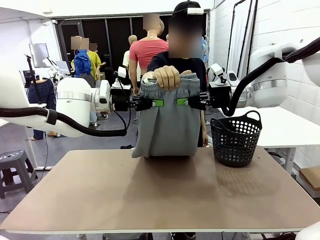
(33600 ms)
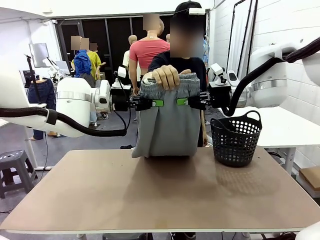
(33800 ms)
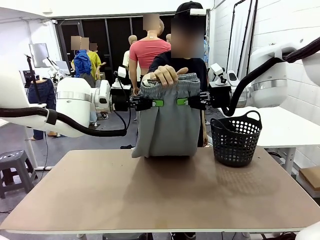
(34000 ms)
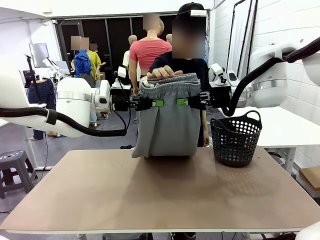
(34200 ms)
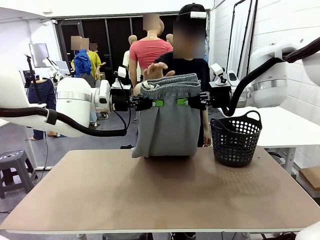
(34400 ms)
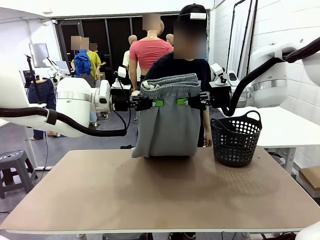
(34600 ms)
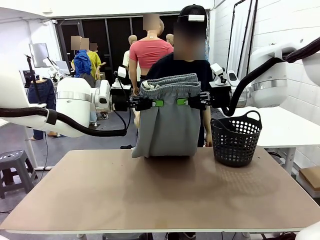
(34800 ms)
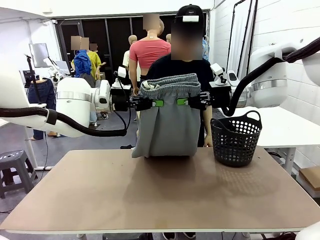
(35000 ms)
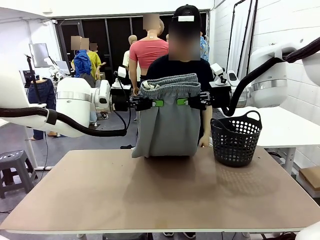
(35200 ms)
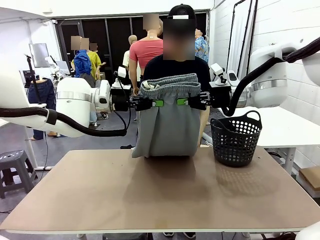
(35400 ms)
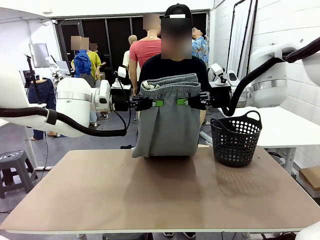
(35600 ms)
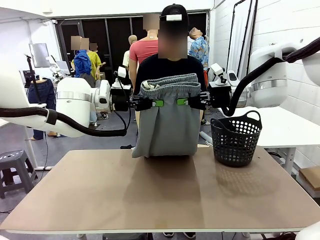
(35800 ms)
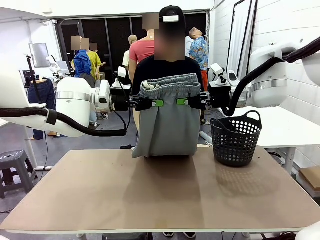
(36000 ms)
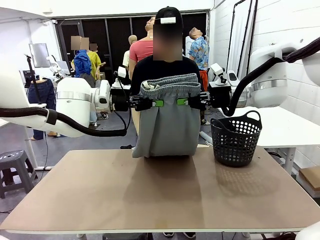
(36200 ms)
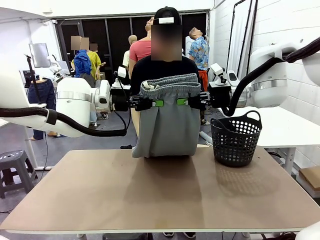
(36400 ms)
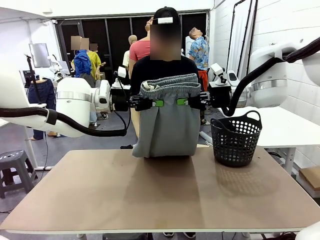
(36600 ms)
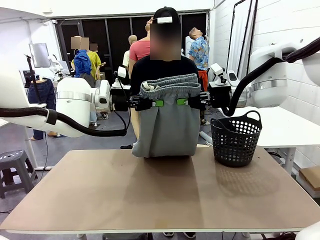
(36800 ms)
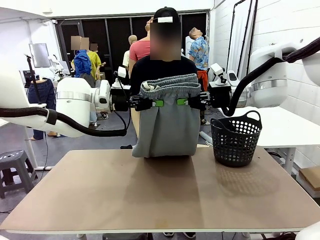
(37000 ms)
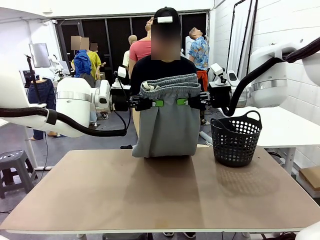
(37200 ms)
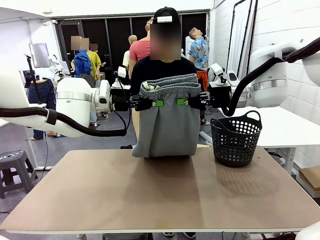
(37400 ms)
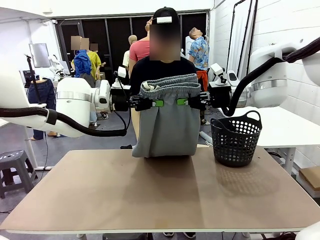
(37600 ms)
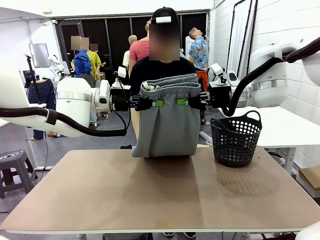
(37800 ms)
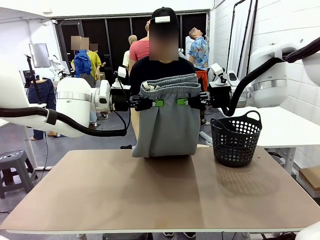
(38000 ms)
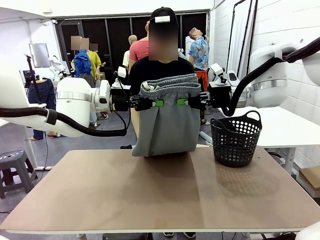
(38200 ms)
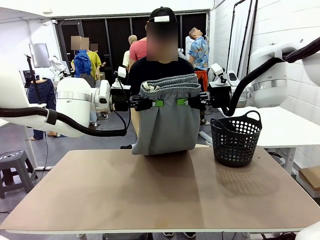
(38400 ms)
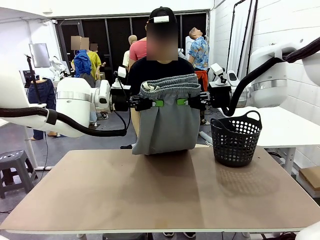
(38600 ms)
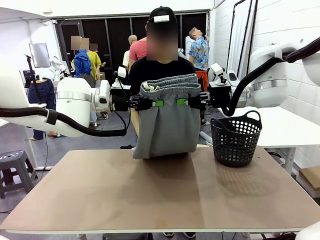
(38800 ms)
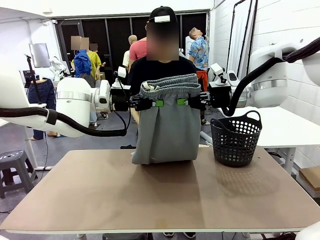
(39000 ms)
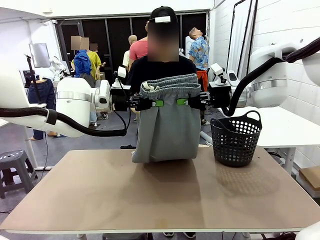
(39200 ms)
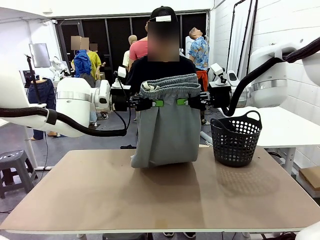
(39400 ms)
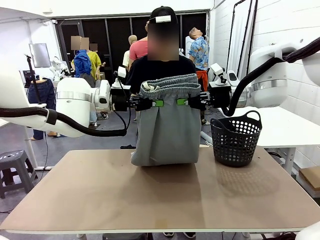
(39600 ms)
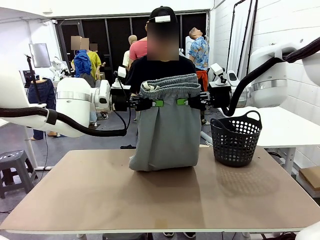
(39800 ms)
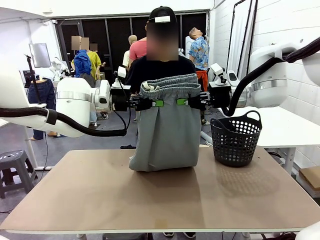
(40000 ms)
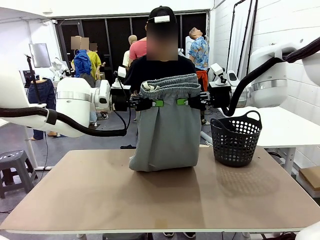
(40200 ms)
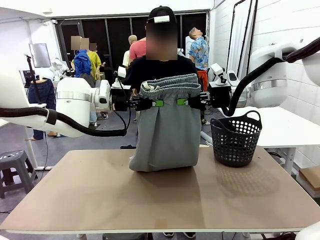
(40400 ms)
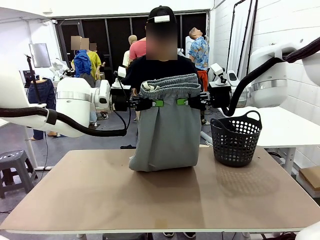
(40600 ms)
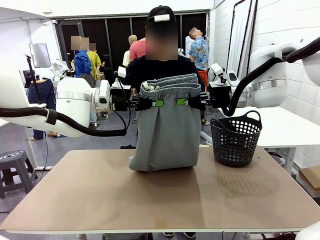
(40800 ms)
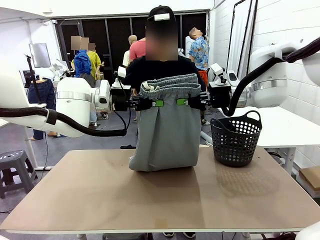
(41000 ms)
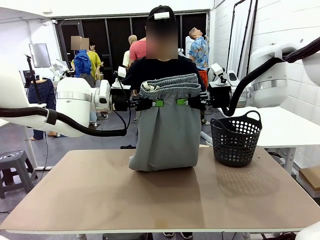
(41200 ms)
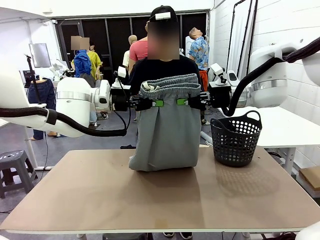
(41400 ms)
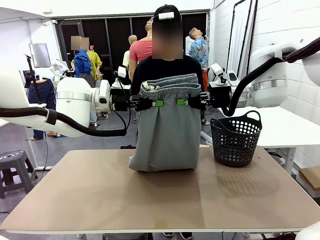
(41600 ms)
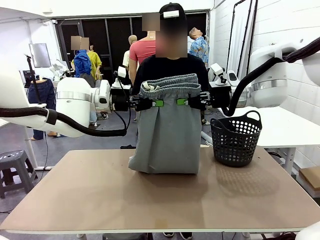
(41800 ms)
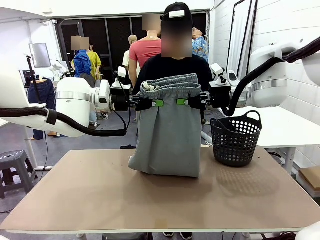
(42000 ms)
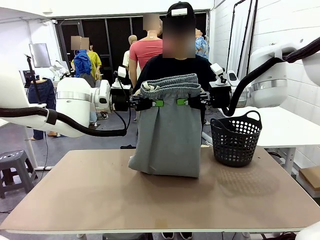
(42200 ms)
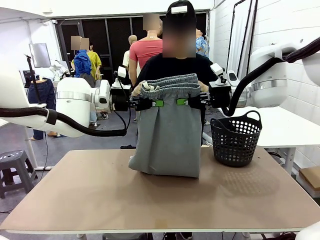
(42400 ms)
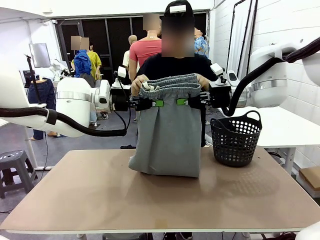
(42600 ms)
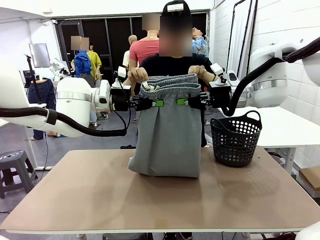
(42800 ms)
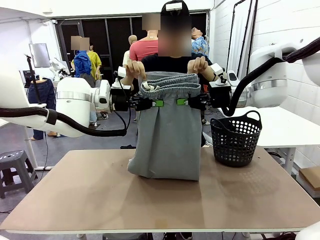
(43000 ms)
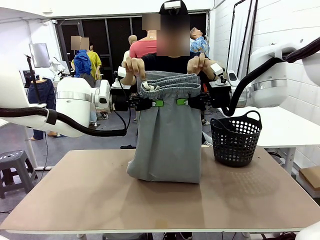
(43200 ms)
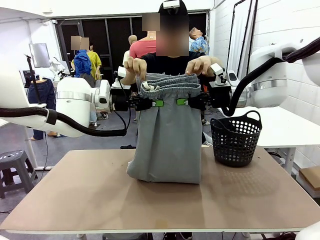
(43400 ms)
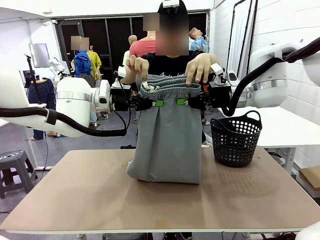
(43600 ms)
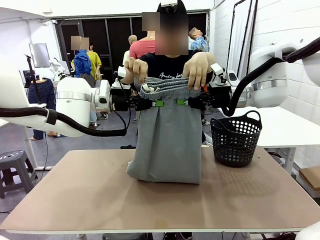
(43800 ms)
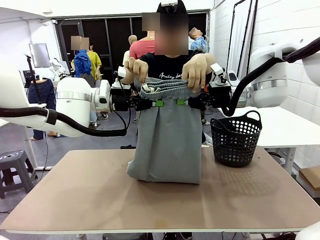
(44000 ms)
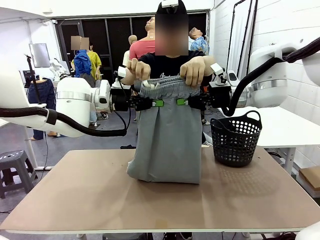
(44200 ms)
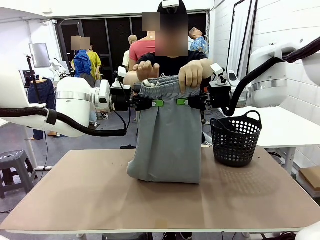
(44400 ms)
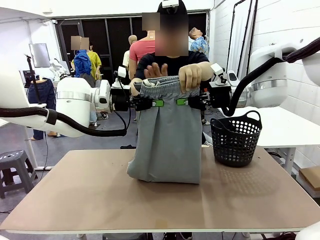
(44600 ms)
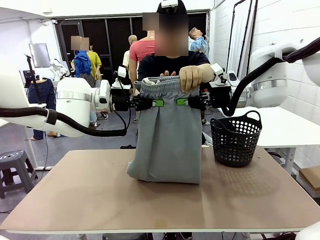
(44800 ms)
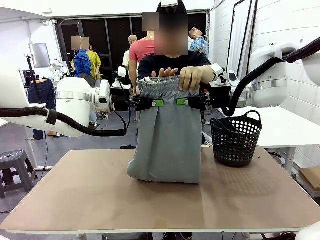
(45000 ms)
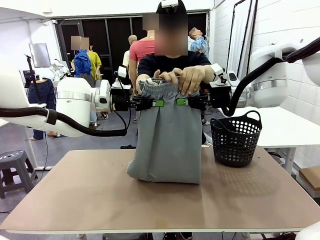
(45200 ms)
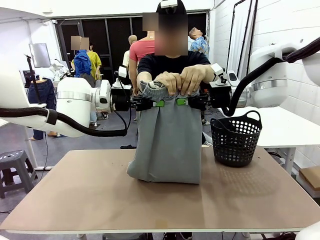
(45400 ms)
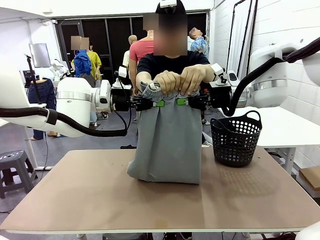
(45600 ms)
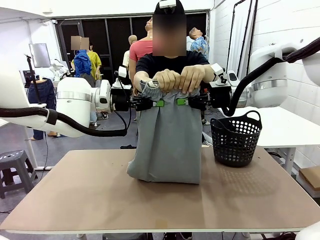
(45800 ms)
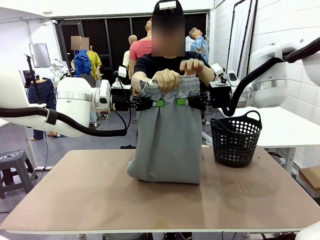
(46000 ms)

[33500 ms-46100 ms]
Task: Fold the training pants.
Robot: Release the ends of the Training pants and then grab the overlapped ends.
Person: Grasp the end opposite the point the robot is holding, fold the pants in half, and then grasp the overlapping top end of the folded pants.

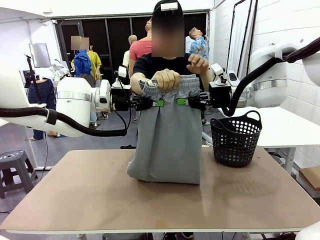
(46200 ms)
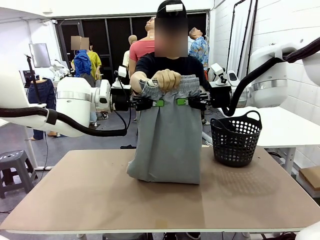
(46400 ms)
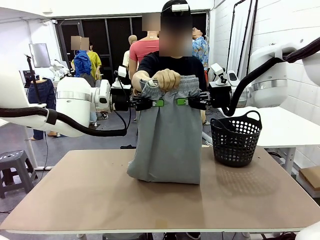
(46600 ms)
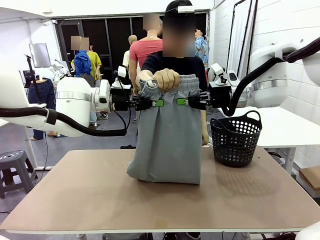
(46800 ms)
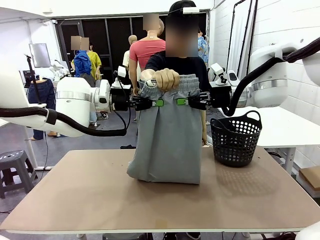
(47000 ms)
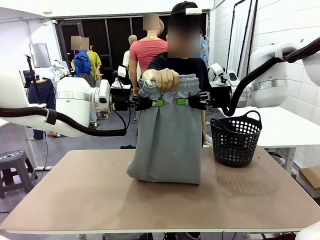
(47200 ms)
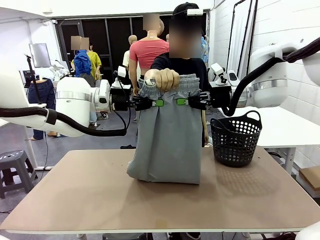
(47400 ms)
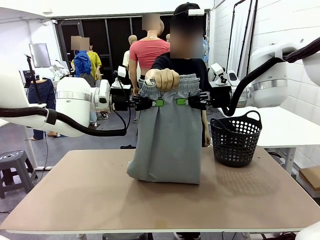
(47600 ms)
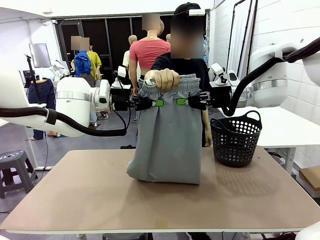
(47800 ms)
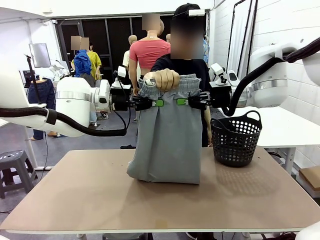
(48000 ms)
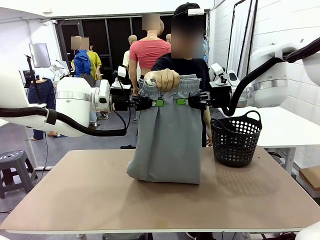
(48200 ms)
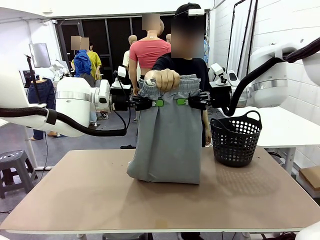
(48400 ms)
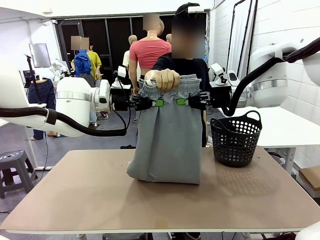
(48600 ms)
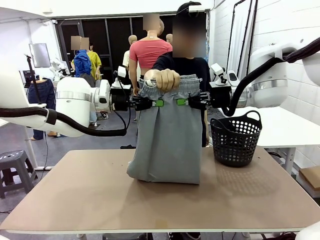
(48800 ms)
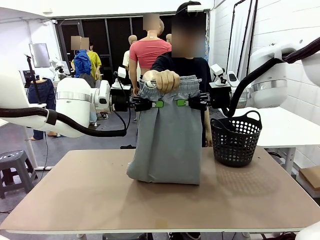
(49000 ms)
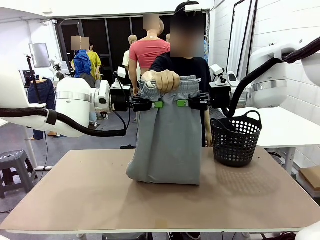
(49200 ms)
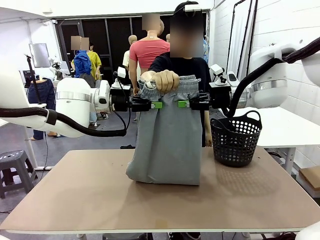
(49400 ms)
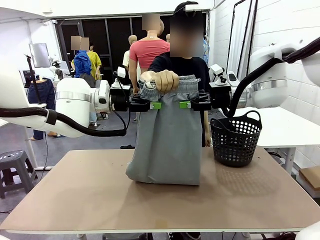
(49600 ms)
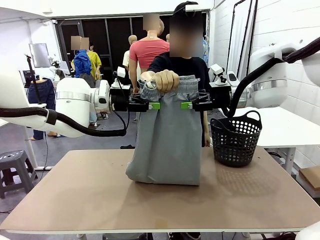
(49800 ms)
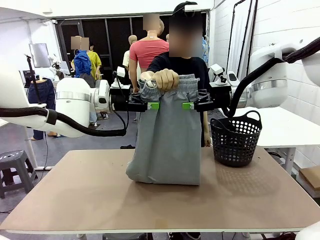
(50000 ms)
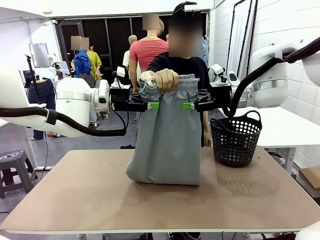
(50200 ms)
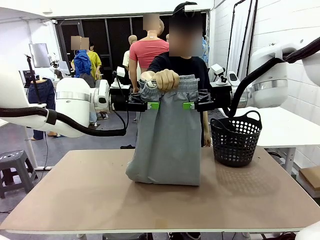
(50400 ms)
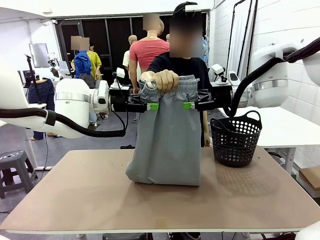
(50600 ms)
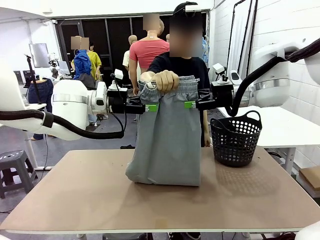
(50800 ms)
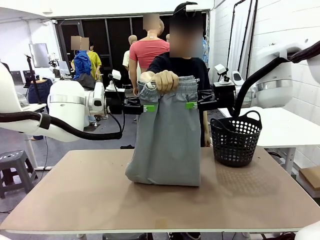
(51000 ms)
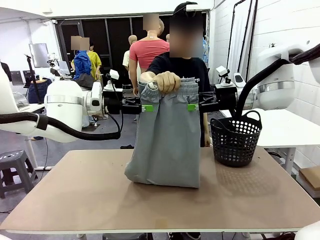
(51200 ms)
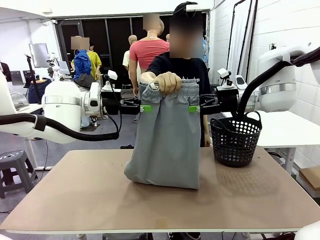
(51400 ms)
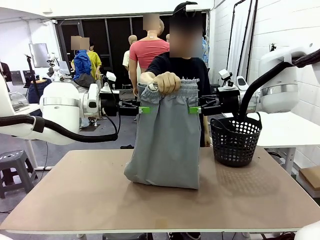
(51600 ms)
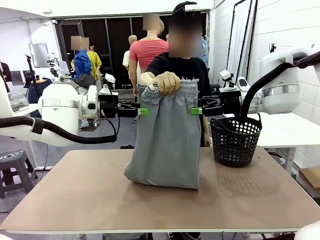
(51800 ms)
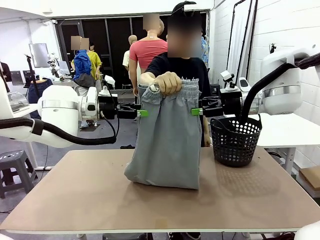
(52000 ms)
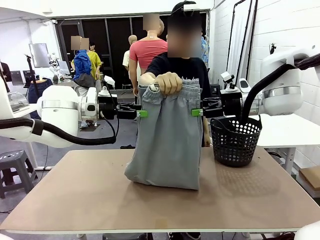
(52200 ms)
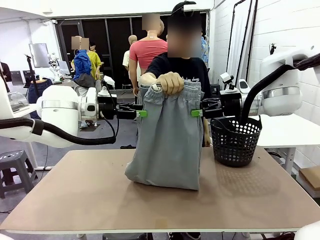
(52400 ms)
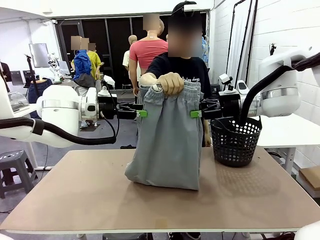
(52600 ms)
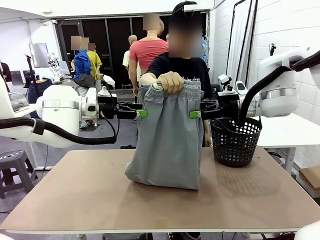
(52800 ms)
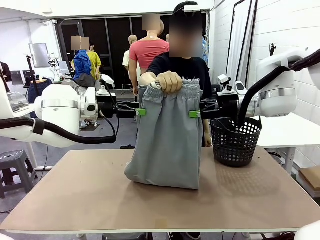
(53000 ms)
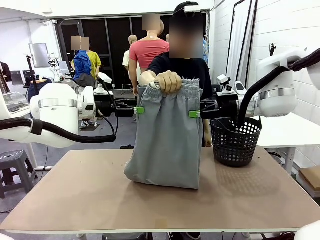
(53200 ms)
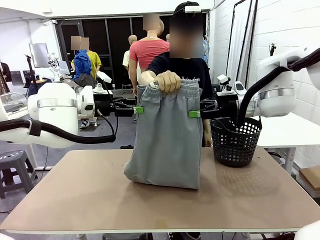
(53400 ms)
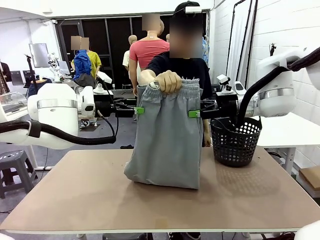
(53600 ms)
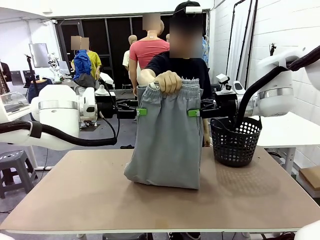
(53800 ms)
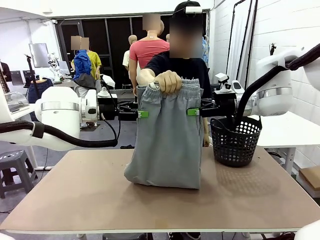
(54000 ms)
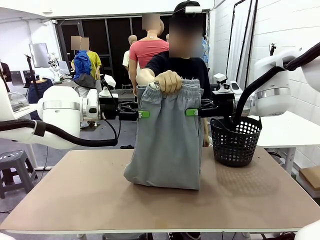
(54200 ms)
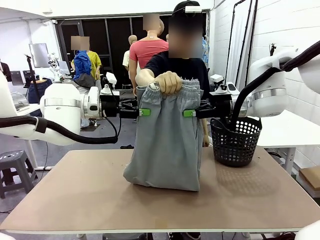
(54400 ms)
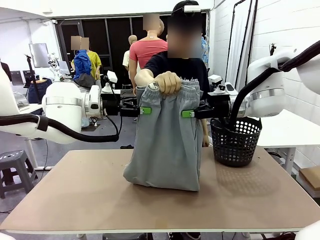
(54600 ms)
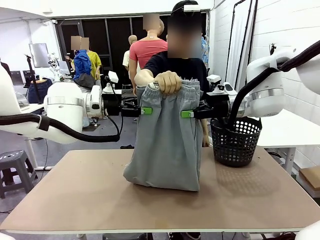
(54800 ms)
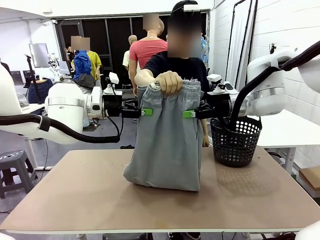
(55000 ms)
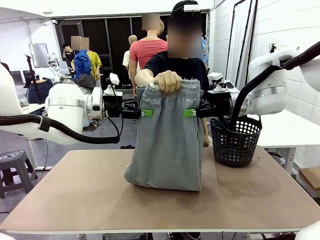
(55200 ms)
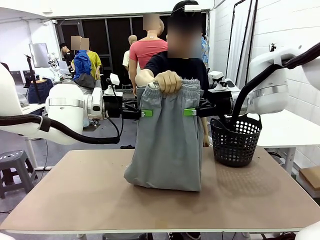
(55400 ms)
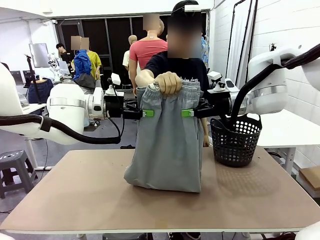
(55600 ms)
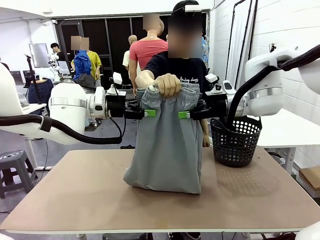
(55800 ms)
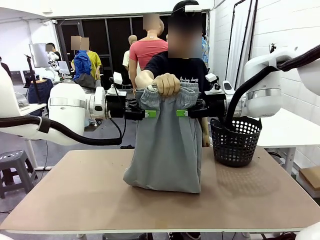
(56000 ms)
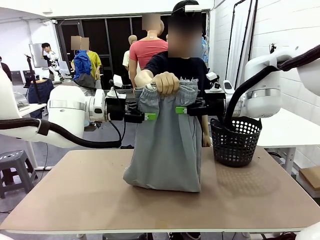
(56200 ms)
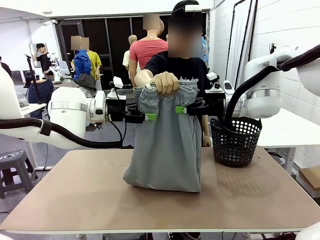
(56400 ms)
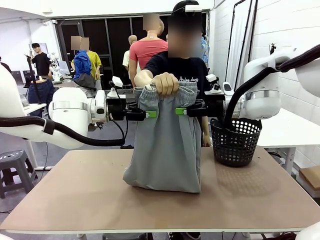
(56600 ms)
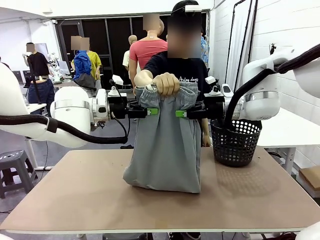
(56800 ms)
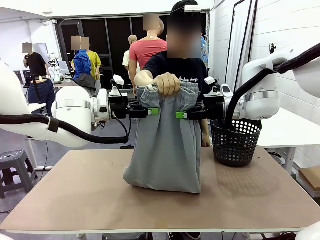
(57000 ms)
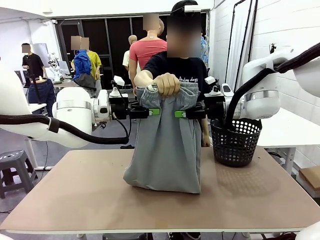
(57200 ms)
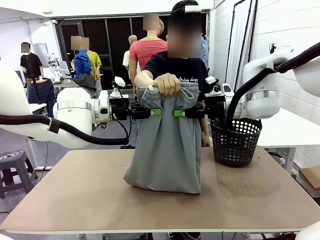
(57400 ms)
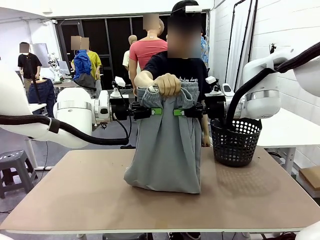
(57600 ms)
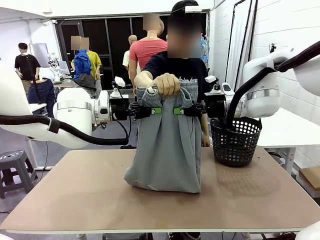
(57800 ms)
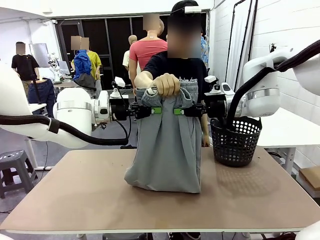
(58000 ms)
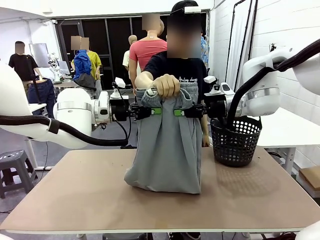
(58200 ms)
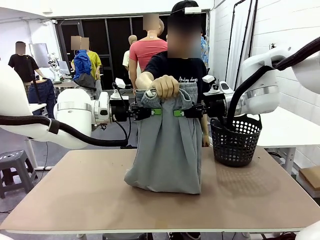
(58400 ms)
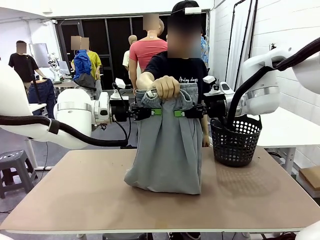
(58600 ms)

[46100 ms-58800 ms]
Robot: Release the ends of the Training pants and then grab the overlapped ends.
Person: Release the pants you were holding.
